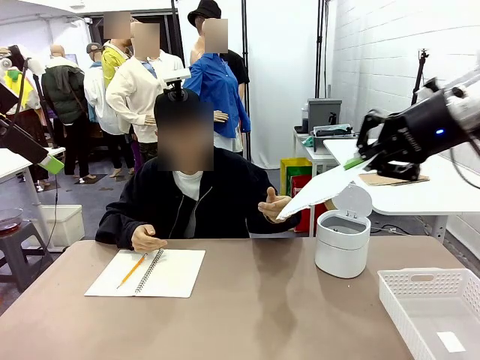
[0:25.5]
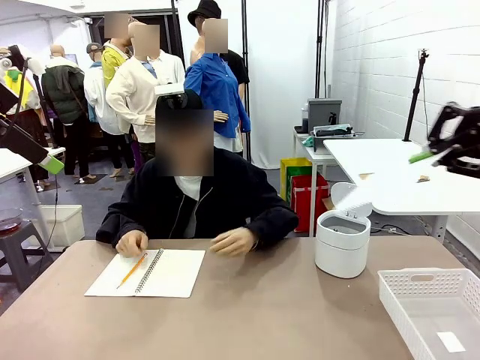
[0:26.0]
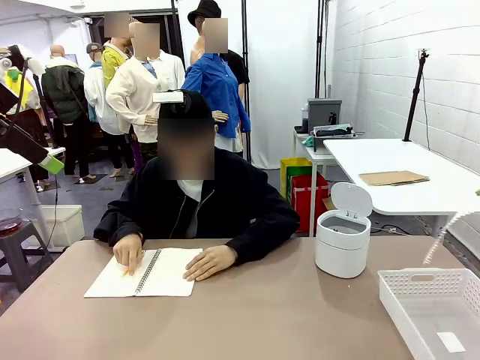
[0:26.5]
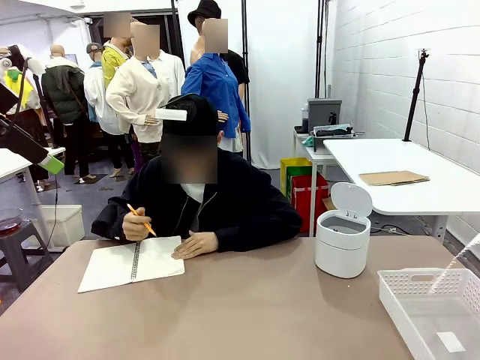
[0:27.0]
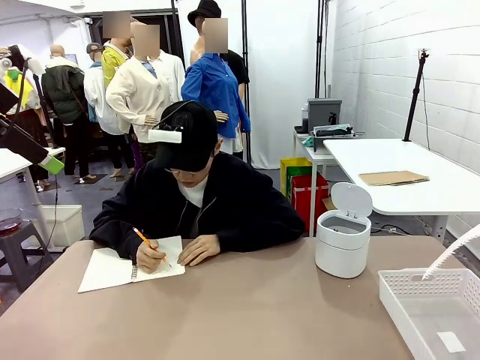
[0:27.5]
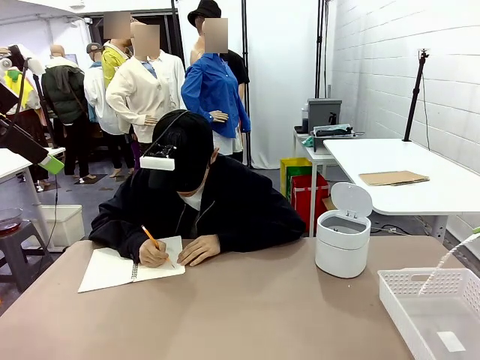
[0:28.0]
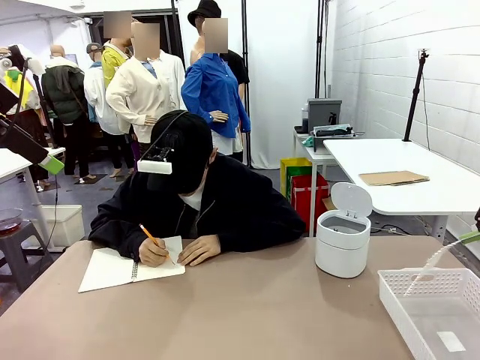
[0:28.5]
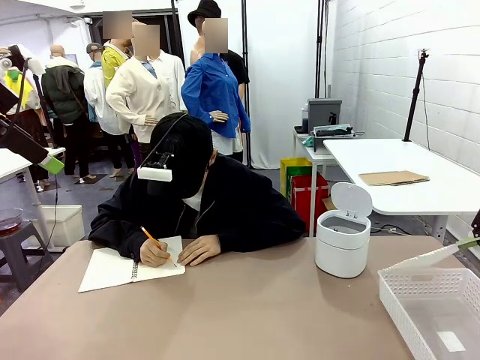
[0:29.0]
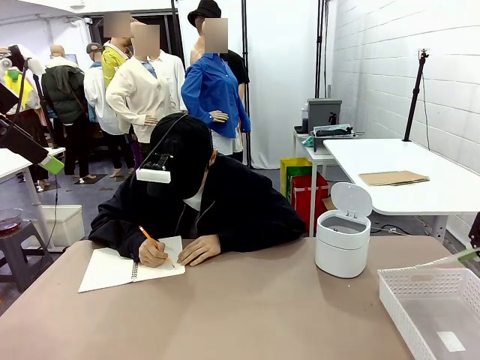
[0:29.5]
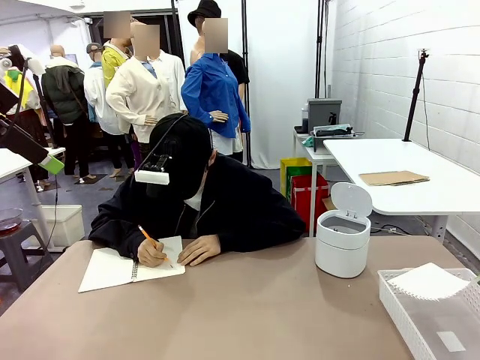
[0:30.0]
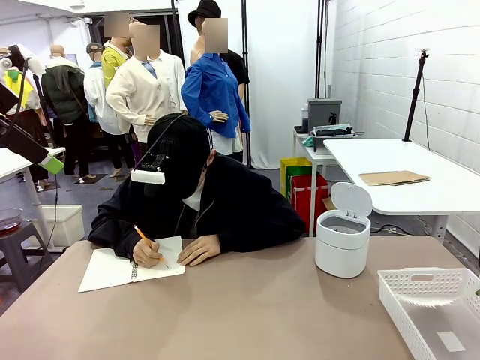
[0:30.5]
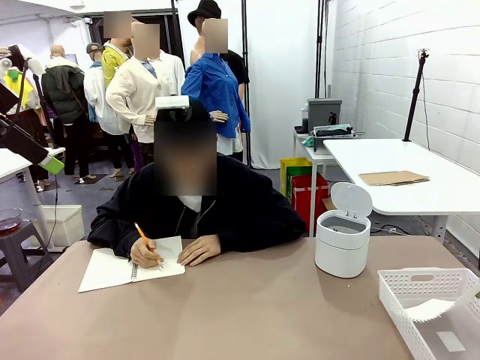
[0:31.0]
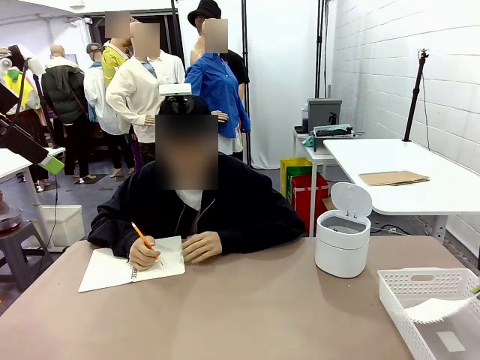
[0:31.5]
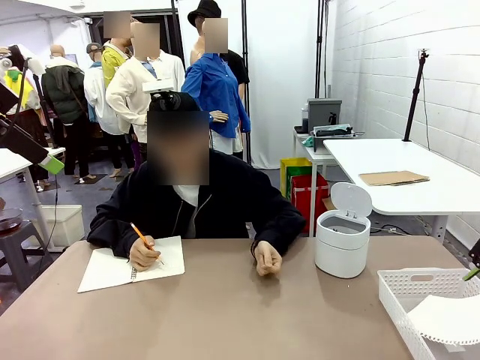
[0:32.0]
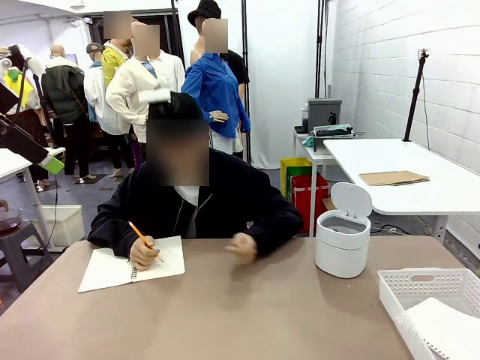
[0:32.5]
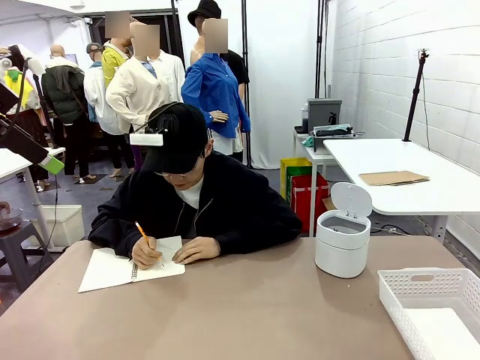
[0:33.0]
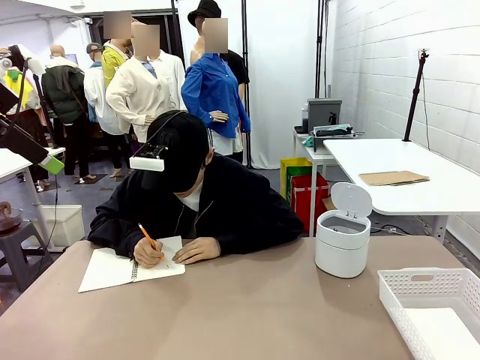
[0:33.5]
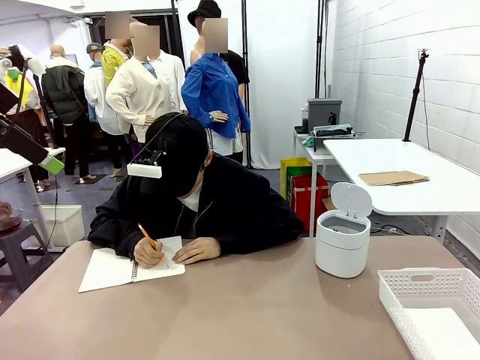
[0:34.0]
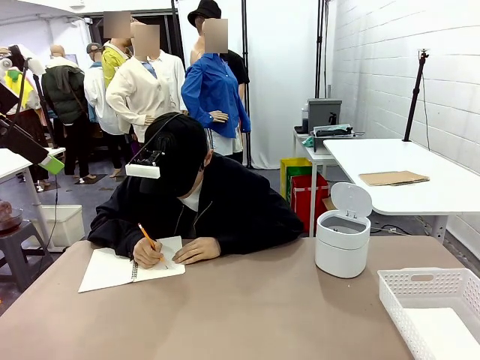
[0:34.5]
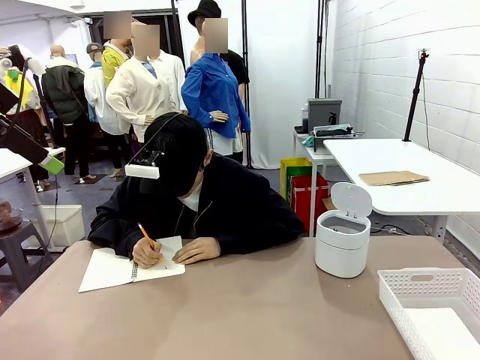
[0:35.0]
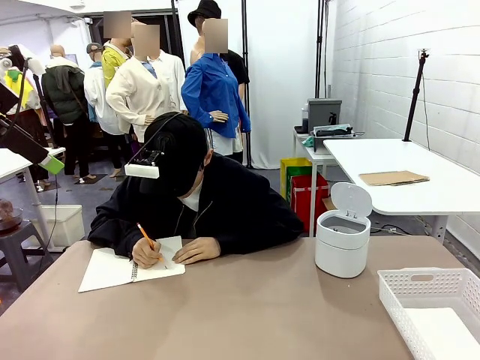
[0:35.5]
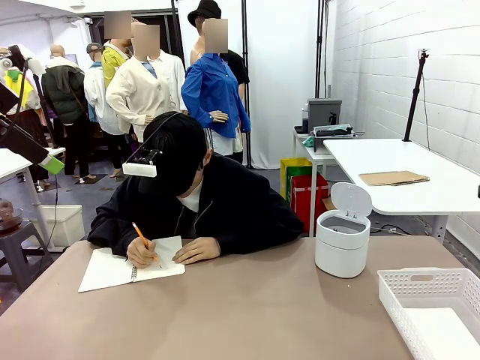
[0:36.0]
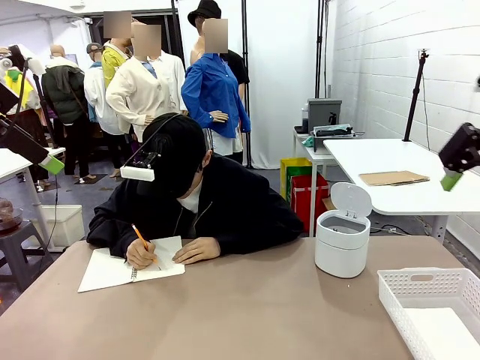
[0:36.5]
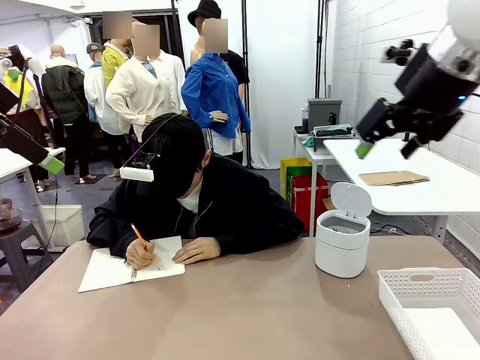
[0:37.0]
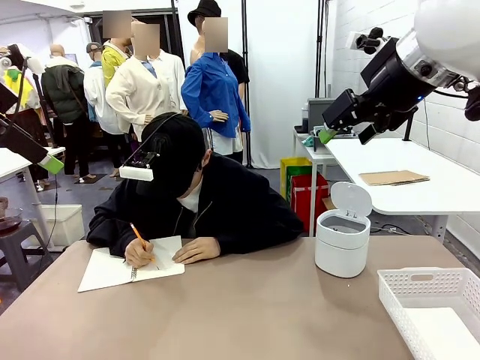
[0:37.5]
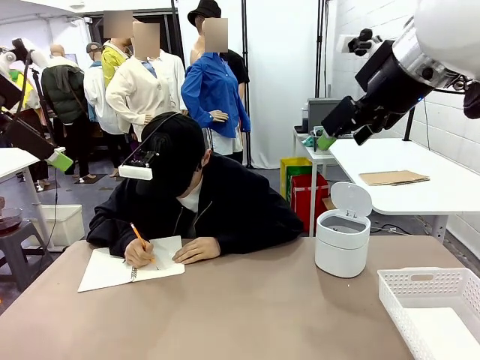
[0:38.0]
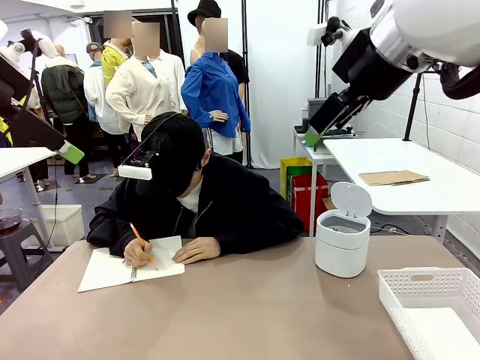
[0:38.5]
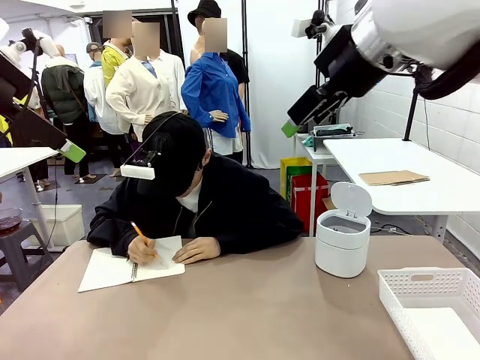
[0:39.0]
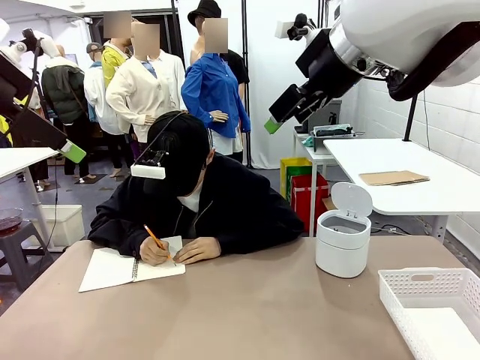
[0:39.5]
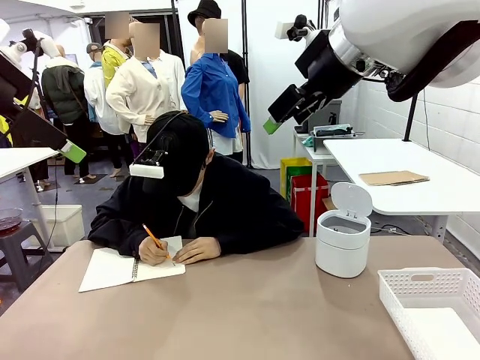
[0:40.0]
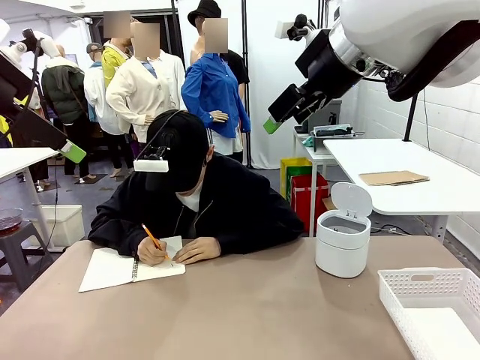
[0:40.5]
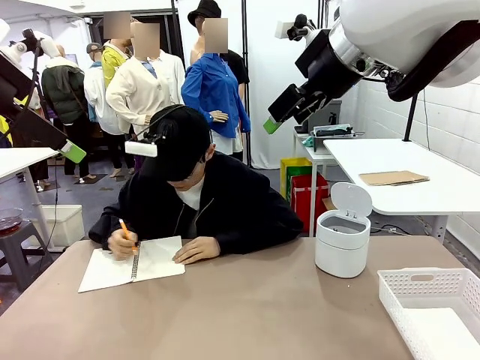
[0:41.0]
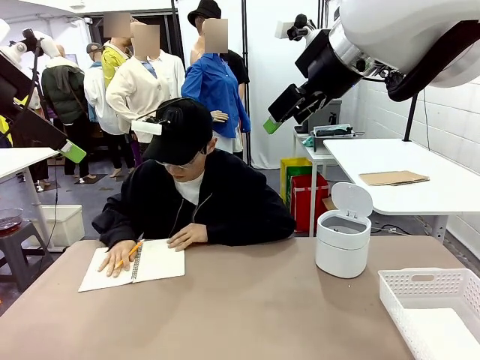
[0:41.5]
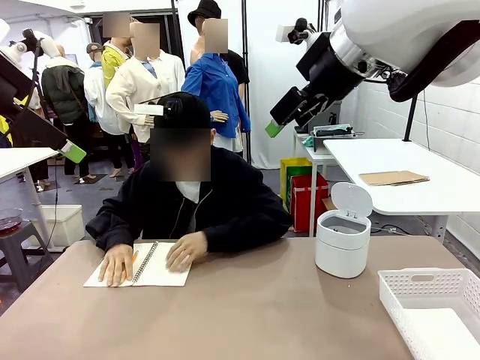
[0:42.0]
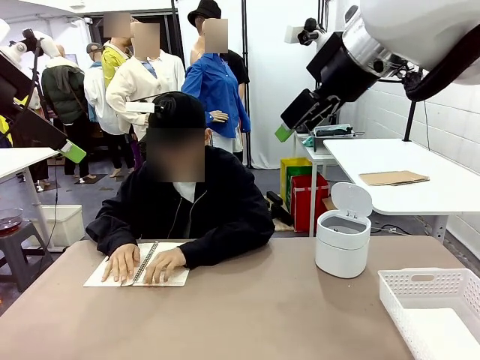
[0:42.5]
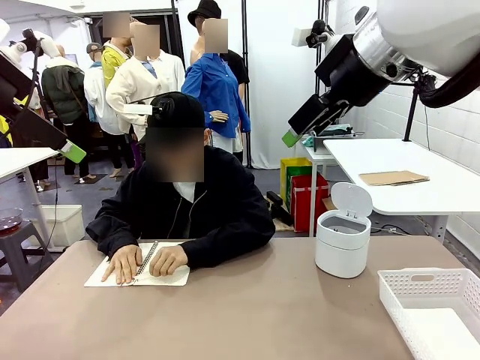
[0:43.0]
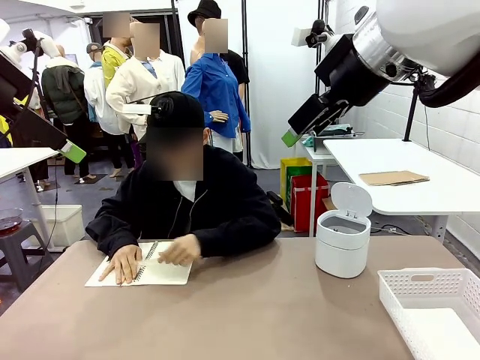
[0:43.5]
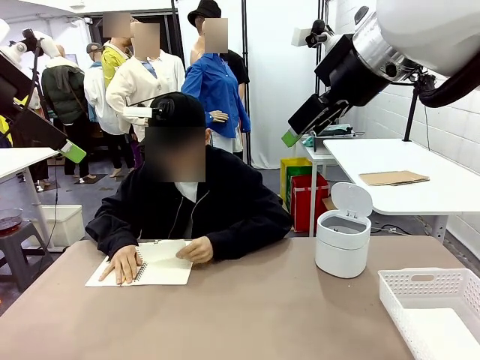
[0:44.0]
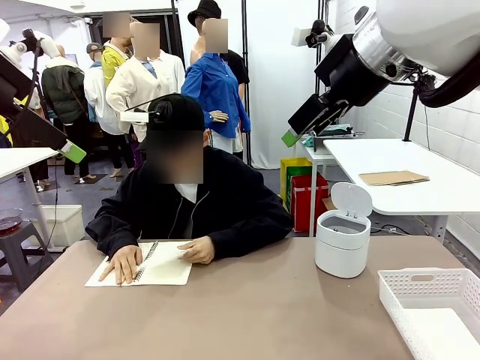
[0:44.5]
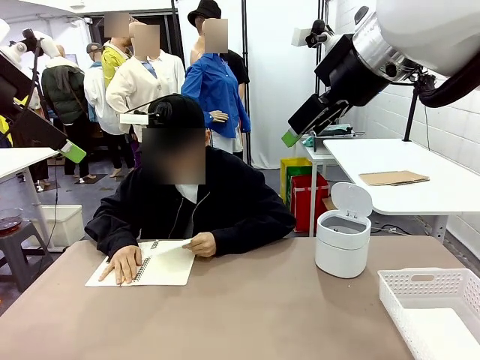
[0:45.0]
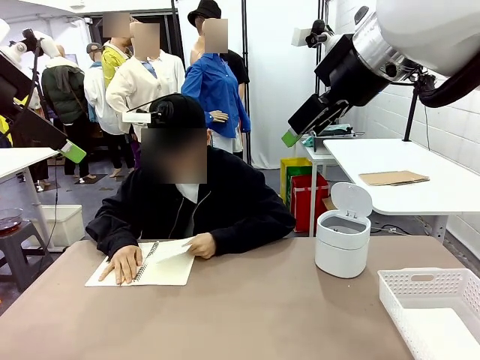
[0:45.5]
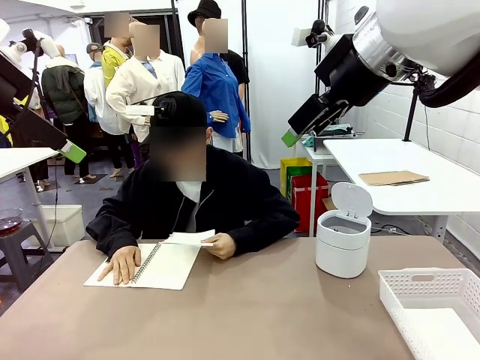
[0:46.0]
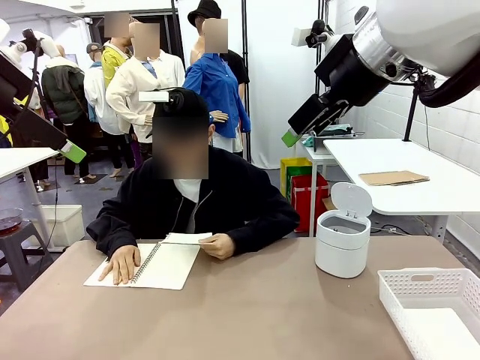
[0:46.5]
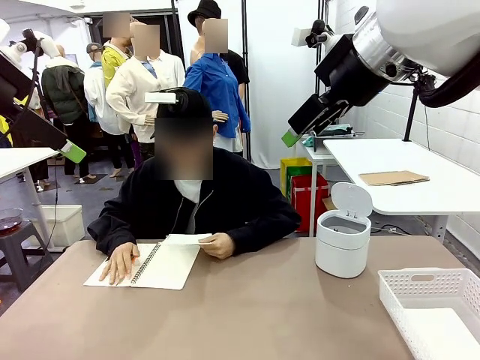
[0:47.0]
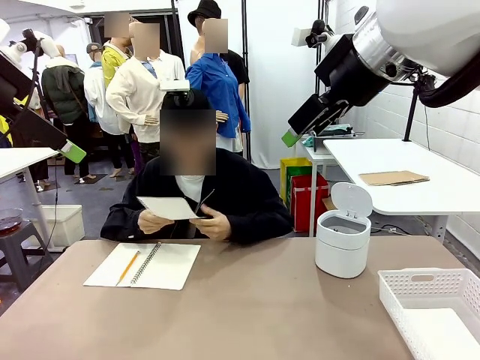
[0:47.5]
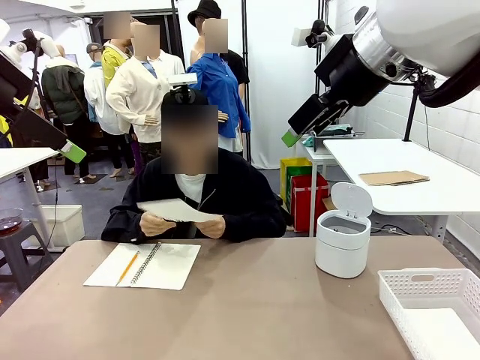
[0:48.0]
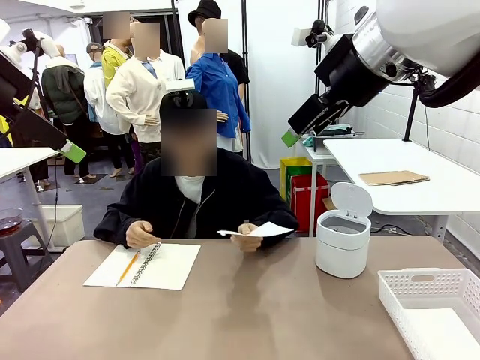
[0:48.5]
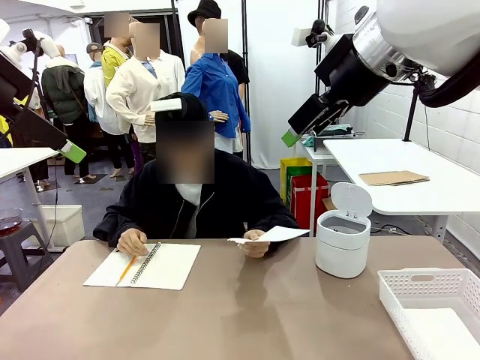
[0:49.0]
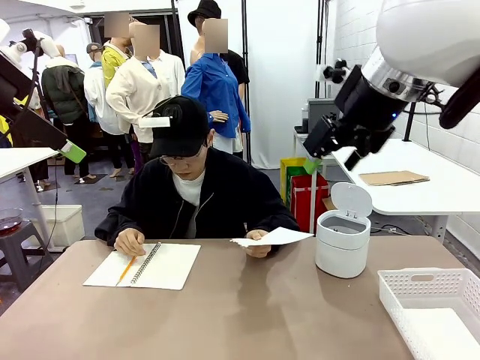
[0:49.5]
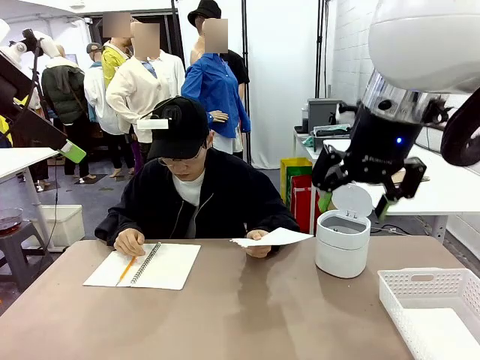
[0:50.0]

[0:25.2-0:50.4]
Task: Sort the paper based on its condition.
Robot: If a person hands you a paper, place it in the Organizing basket , and if it's crumpled, put it in the Trash can.
Person: Tear out a page from the spiral notebook. Hand the torn page to the robot or crumple it and throw it to the center of the table.
